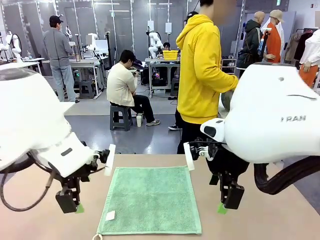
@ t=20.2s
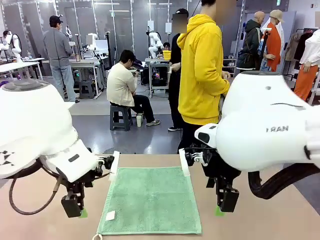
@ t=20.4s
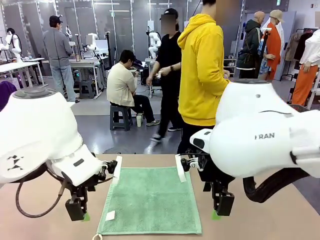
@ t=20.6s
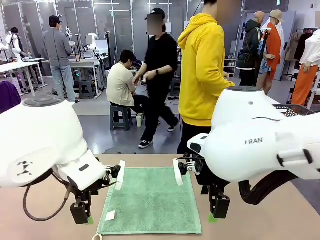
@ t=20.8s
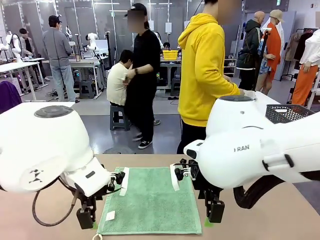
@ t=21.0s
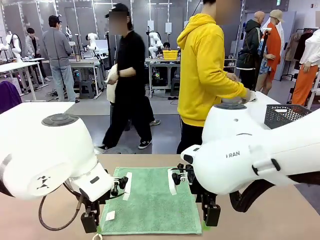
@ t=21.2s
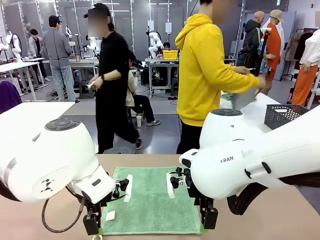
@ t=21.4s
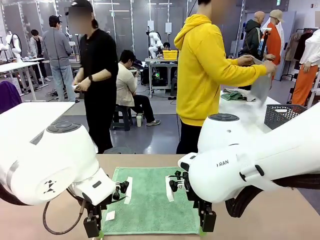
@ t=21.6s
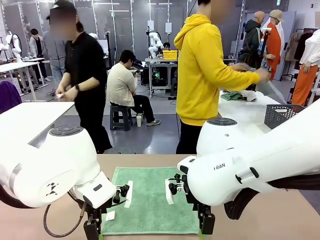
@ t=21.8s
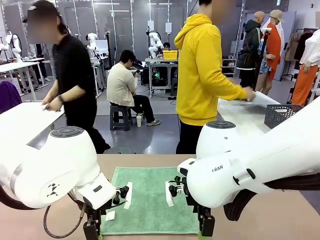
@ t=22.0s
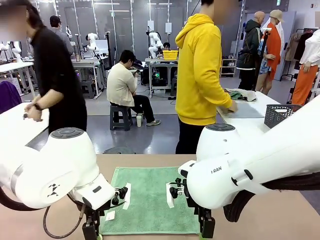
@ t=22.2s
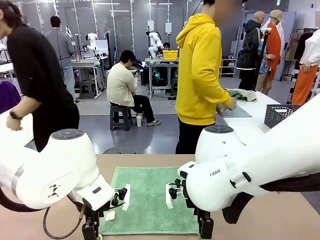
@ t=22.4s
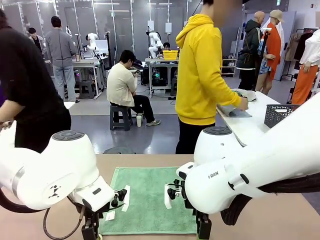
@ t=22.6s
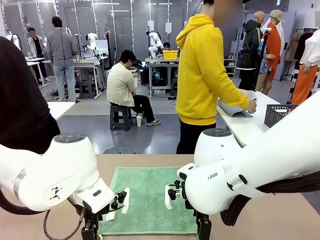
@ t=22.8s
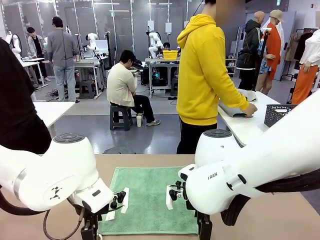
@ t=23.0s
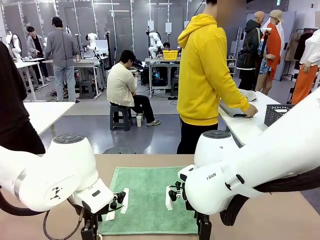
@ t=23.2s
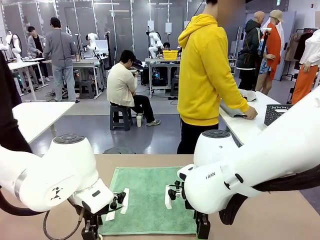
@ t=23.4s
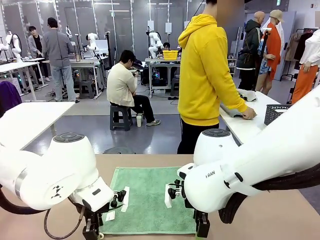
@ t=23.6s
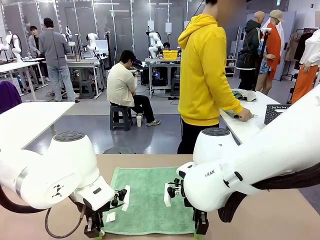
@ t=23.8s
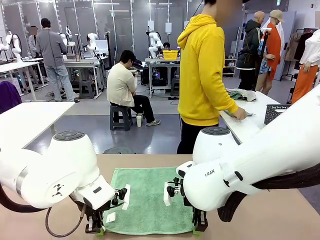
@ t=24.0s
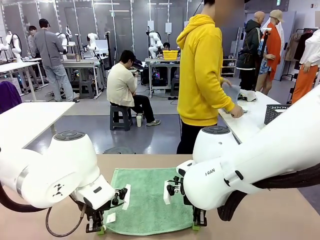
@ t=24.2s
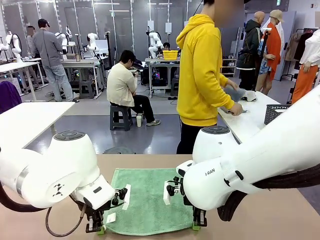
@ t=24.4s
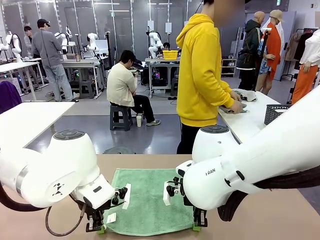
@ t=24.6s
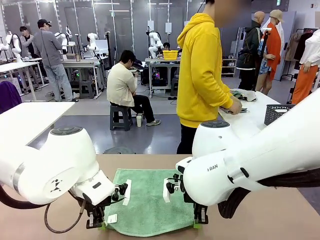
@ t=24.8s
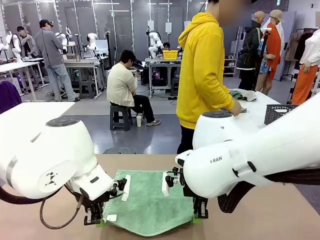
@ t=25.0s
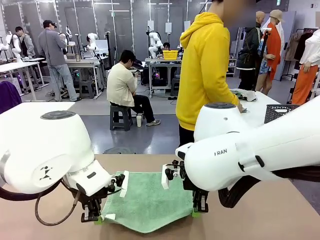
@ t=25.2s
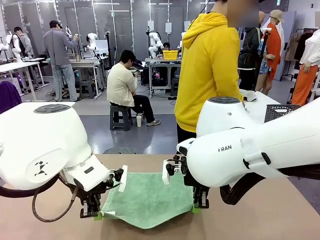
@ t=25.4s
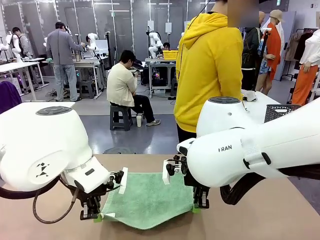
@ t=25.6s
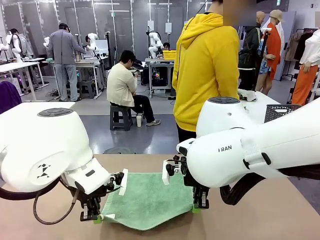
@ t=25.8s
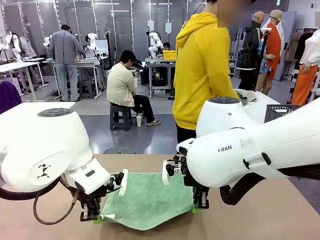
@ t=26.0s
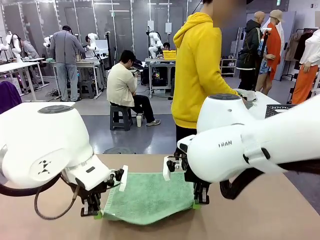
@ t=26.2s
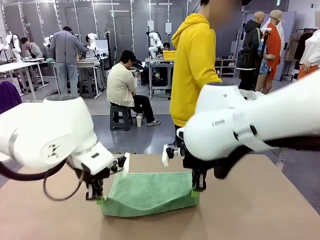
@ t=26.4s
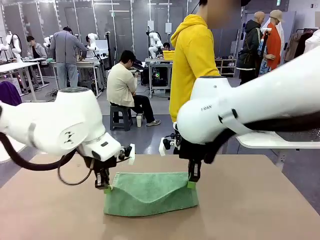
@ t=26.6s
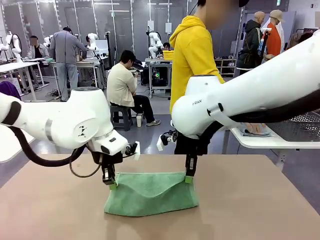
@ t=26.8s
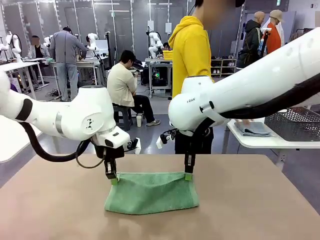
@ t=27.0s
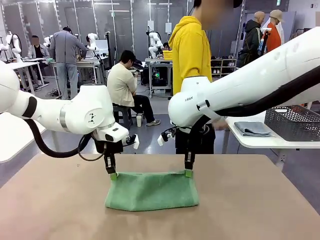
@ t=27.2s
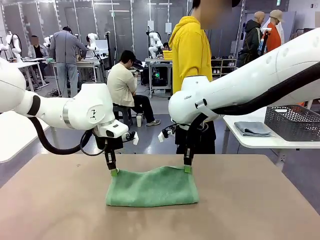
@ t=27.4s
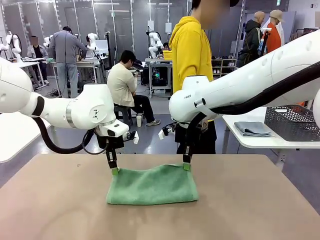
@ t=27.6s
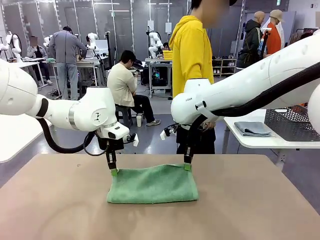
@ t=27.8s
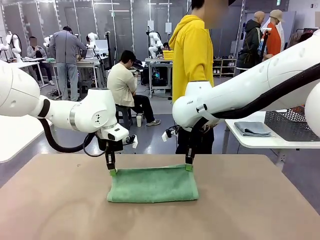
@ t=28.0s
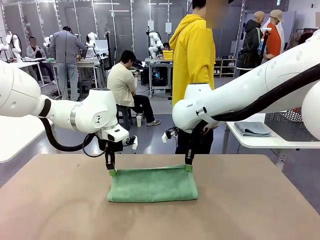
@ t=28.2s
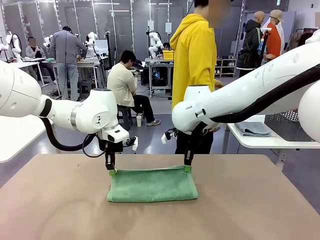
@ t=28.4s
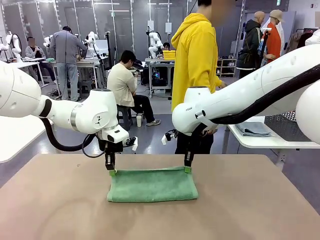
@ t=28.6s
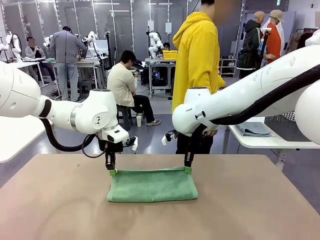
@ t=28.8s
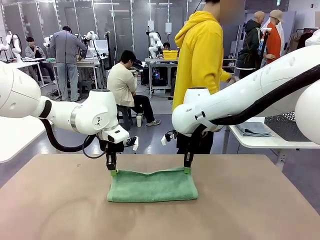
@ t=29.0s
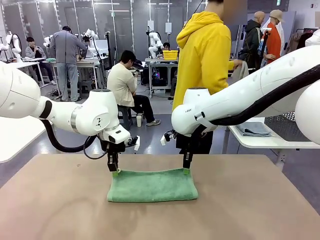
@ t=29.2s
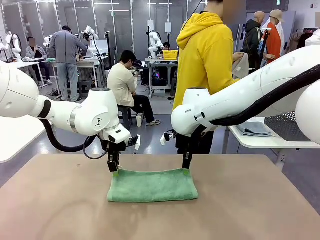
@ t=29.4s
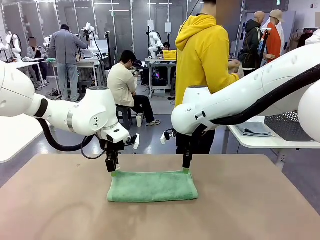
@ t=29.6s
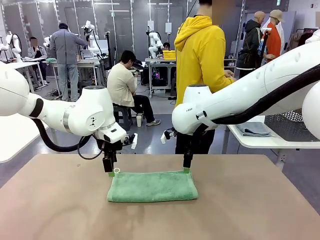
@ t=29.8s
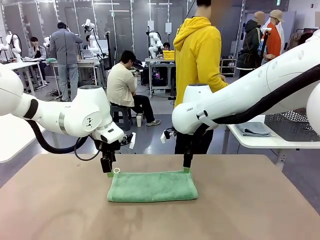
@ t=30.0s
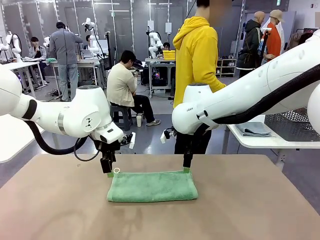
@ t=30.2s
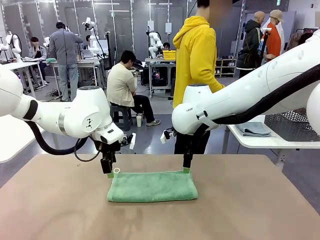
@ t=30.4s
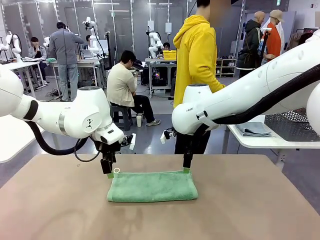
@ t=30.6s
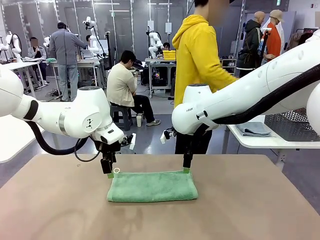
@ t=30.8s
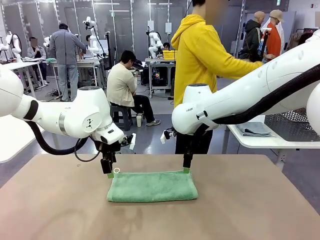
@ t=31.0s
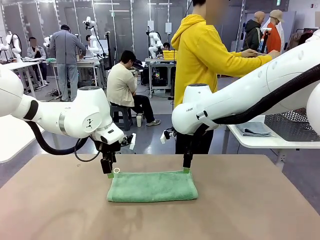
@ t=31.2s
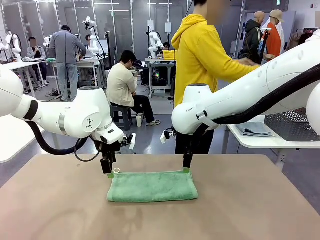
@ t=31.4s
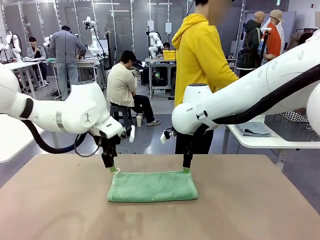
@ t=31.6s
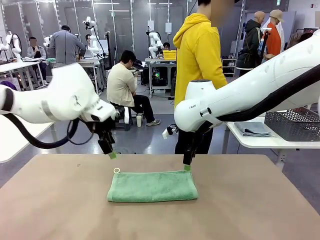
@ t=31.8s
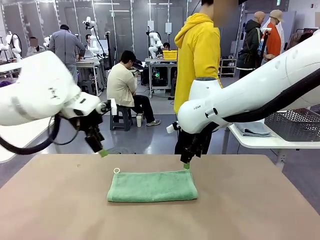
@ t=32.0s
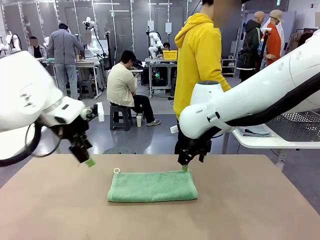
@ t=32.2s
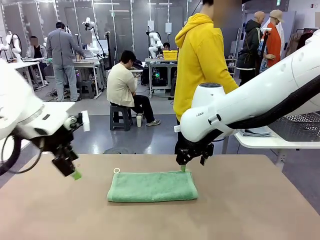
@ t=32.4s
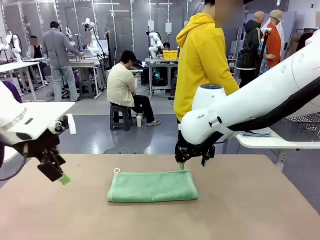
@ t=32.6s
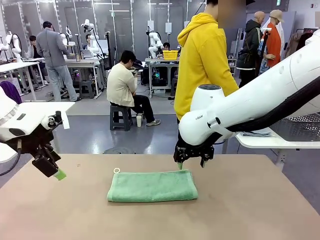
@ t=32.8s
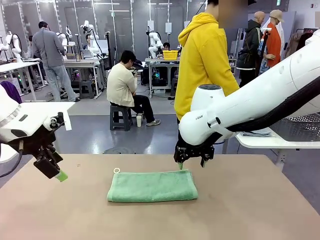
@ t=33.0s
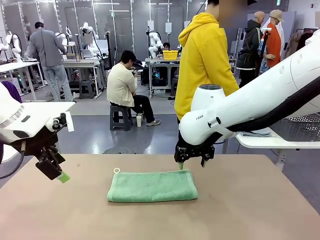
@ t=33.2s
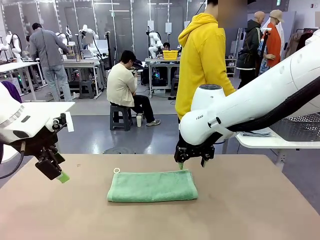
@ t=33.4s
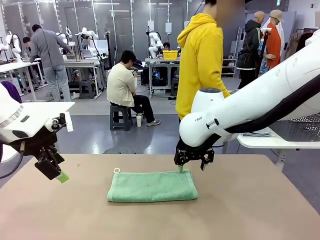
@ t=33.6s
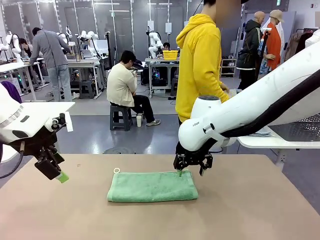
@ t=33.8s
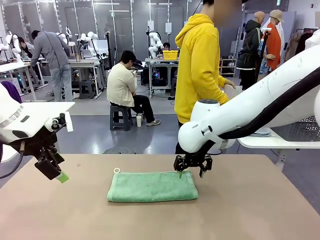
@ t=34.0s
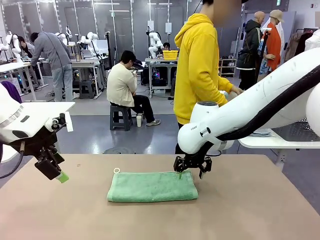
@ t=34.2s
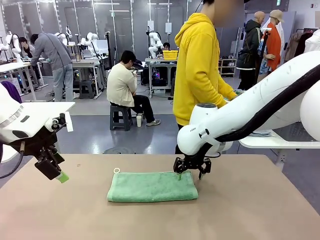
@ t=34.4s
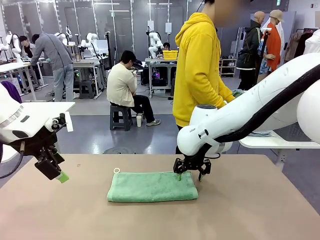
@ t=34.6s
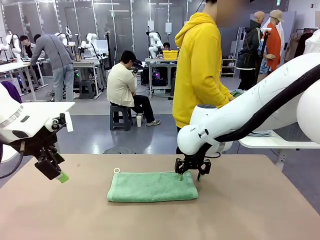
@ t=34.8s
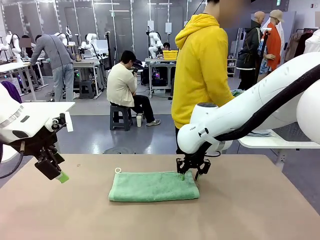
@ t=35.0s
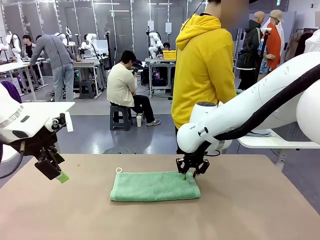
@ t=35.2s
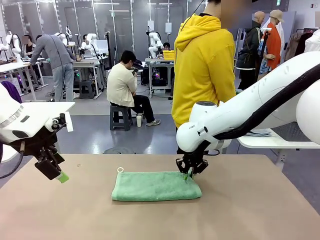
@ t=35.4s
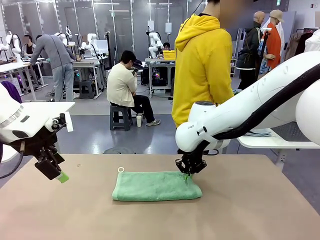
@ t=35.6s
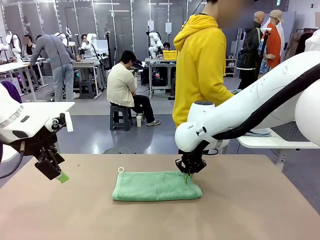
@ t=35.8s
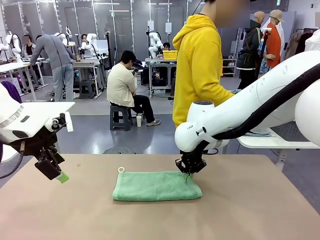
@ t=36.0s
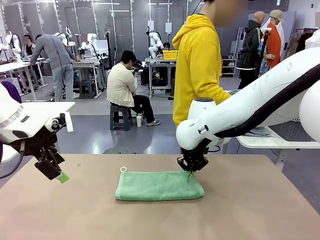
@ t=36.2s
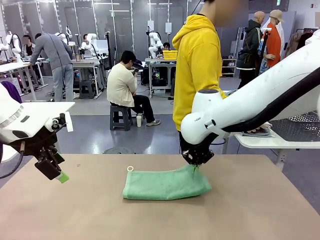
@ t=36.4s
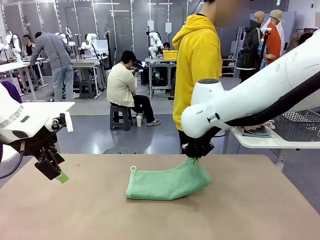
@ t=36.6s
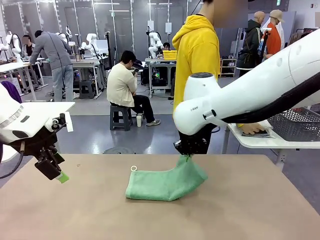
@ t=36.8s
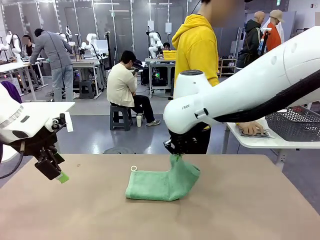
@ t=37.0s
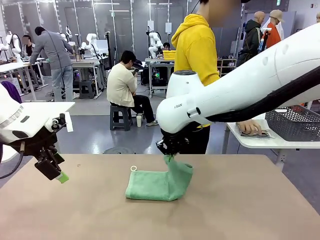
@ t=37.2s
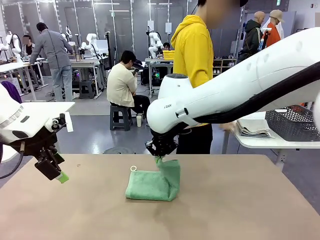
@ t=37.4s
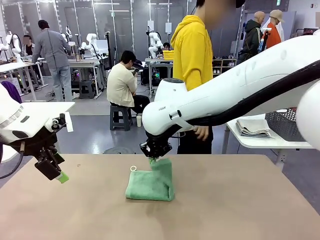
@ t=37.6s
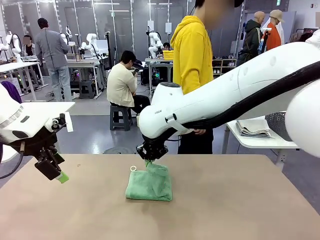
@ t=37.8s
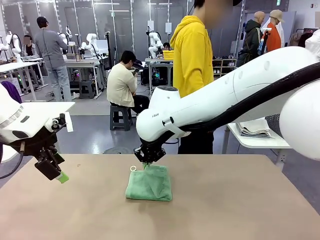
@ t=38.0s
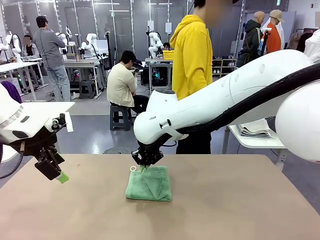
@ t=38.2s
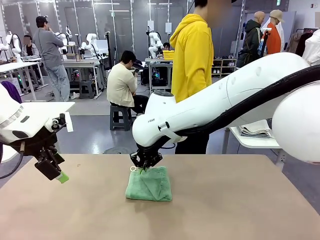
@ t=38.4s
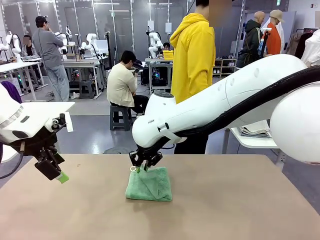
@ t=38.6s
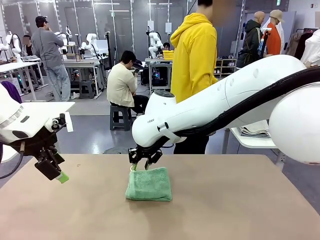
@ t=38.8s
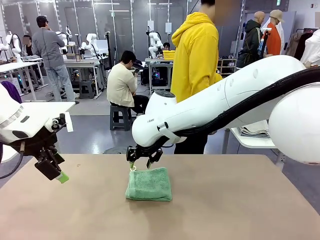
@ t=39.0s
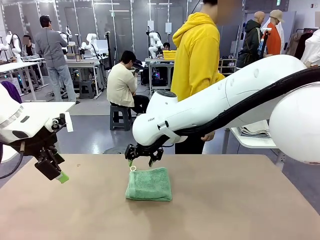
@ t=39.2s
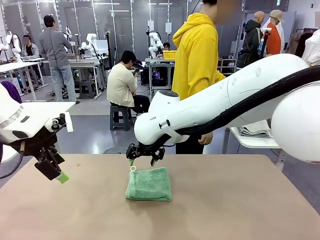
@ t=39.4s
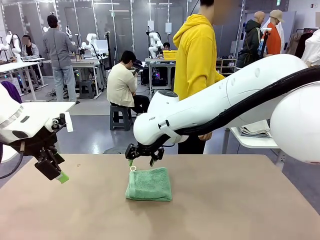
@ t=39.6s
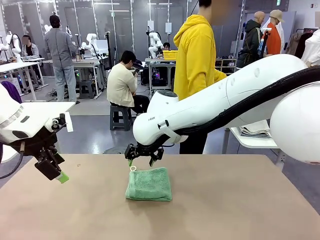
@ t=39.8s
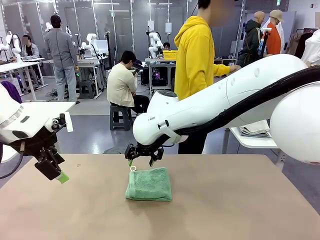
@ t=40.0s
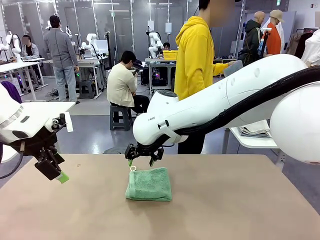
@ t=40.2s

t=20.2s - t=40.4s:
Task: Fold the towels and place them in the basket.
Robot: When a person lays out a Towel with hook on the table, fold it in half twice.
Person: Pick up one towel from the left side of the human table, fold it in half twice, and place it on the right side of the table. Pick up one towel from the left side of the human table, fold it in half twice, and stack it on the right side of the table.

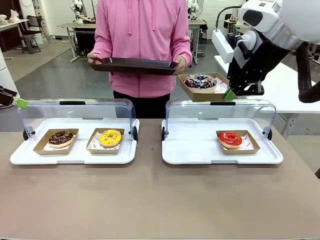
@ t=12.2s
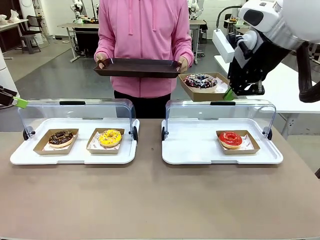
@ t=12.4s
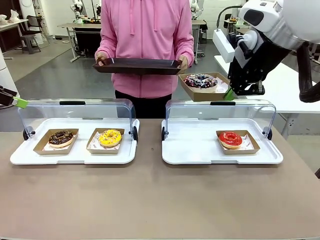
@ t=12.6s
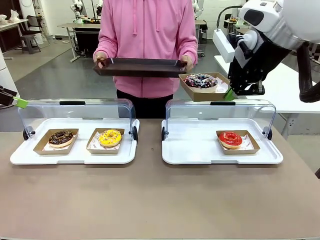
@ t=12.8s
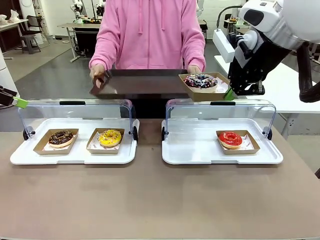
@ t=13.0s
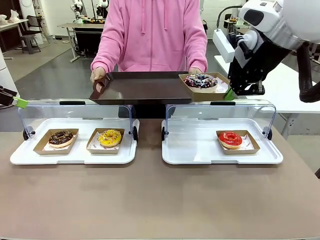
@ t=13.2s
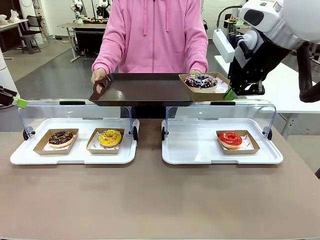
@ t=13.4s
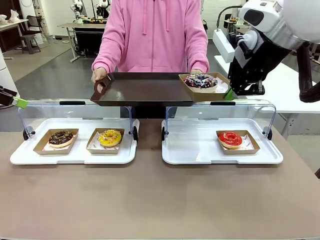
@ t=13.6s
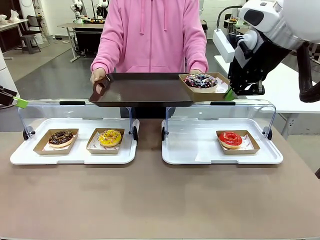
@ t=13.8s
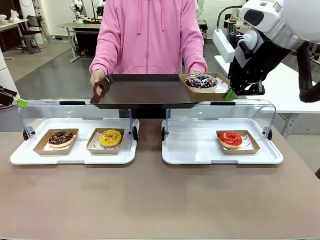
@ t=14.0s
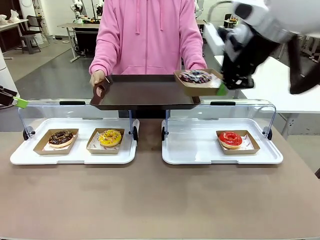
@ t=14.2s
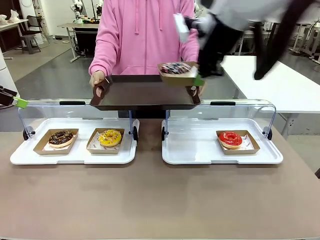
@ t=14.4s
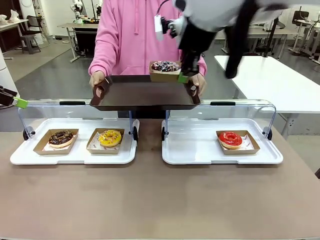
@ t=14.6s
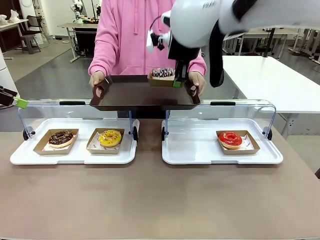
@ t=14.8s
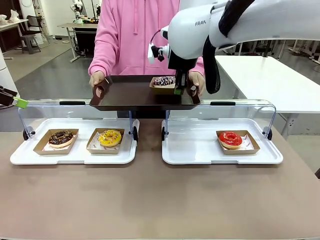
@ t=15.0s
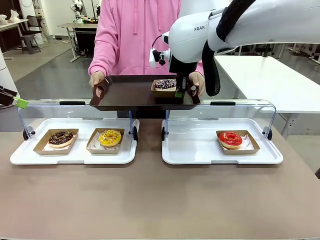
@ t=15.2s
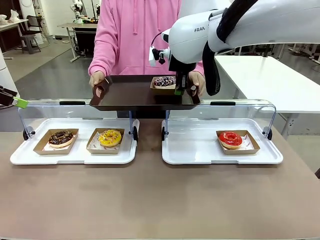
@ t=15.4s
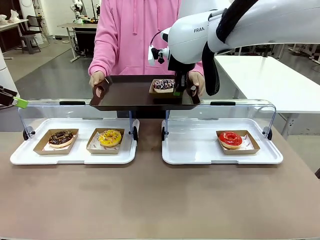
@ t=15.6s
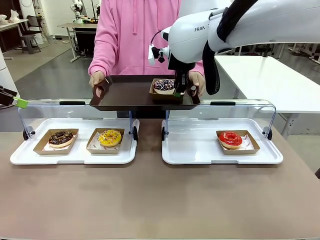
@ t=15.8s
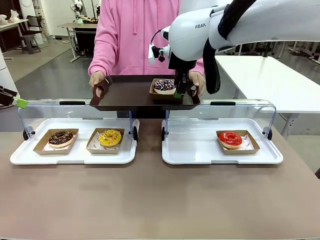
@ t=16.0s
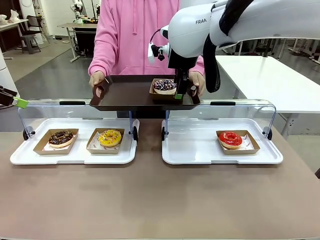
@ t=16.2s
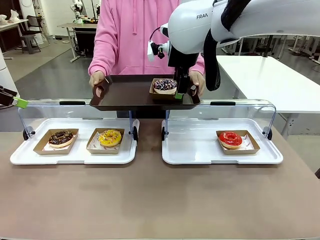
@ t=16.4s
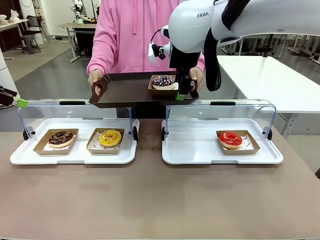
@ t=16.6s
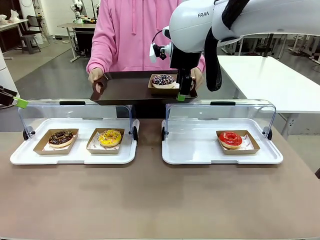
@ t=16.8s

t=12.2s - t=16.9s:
Task: Provide the desired donut to the person.
Robot: Place the picked Paper togo box onto the Handle tray extended by the person.
